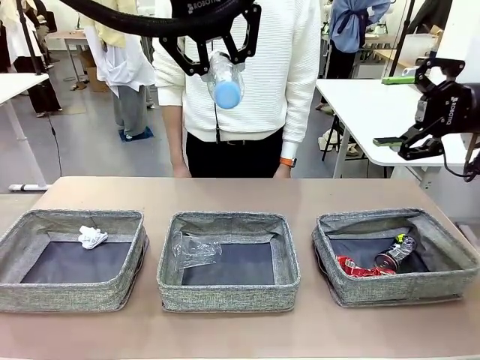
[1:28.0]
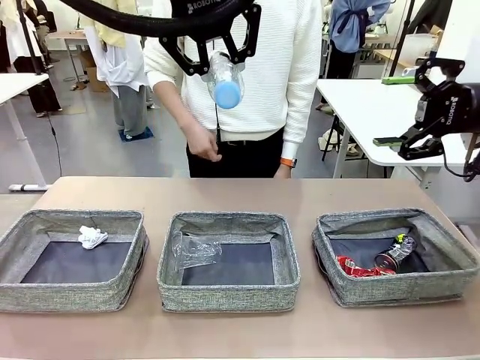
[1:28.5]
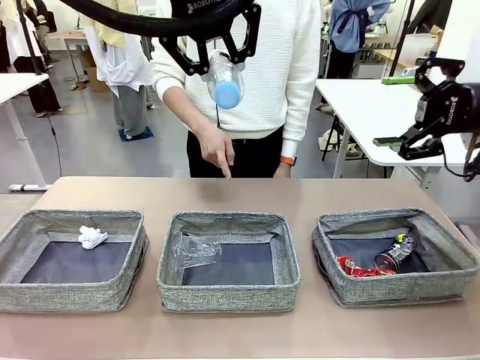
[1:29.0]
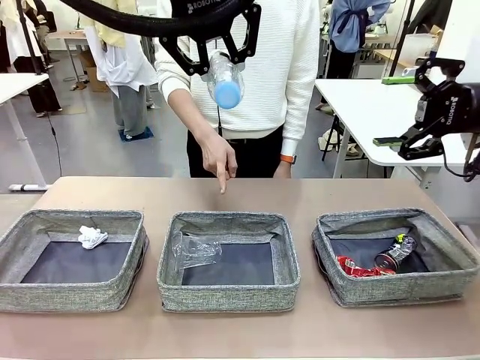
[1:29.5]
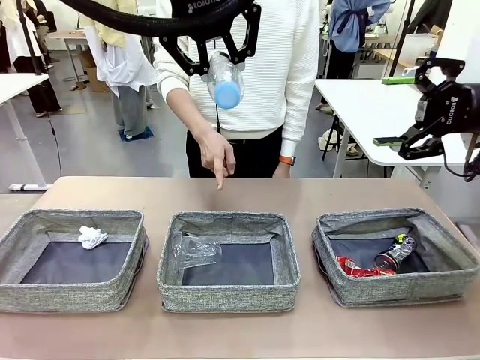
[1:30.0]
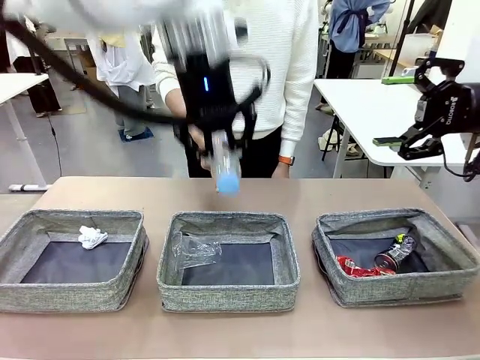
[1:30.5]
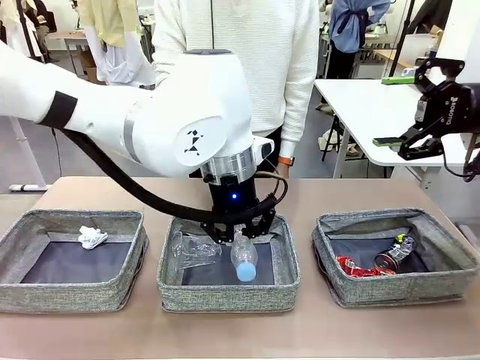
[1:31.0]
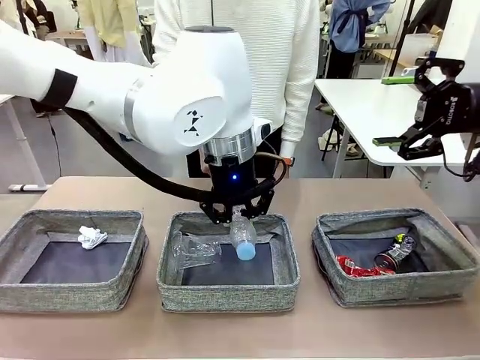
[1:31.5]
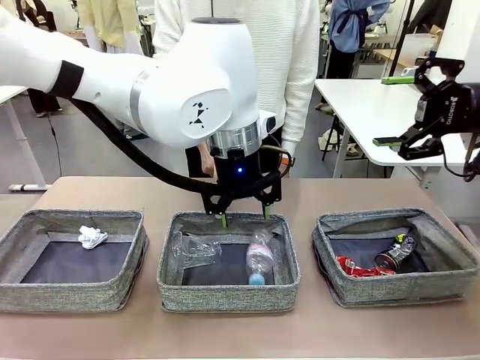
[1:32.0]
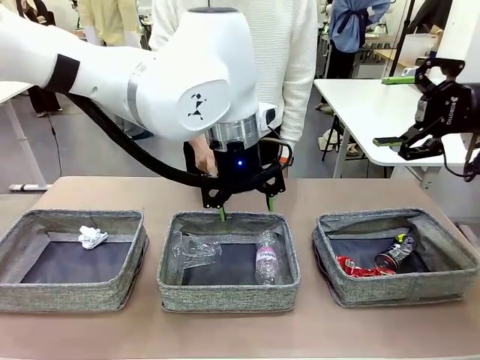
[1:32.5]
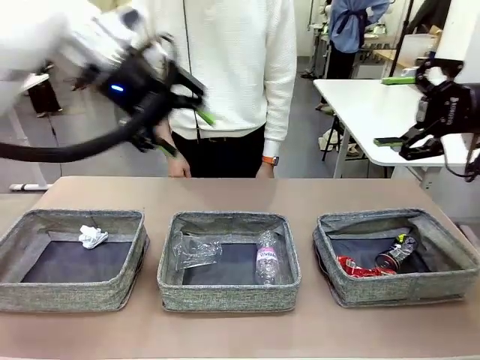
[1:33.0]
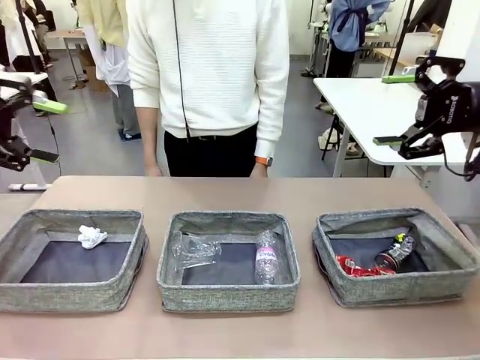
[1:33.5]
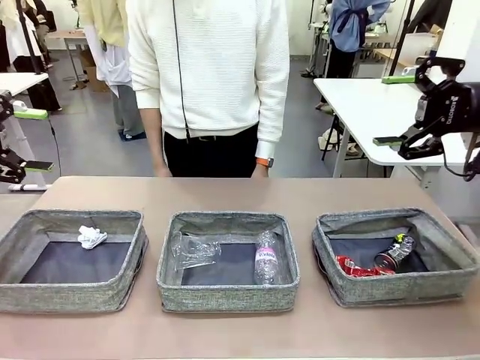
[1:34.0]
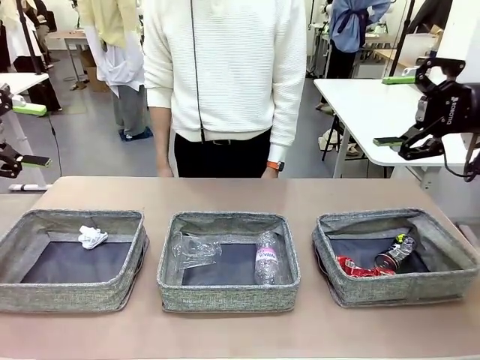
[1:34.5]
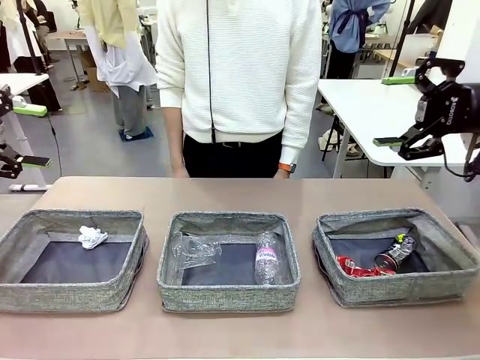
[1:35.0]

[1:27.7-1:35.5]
Task: Sort the waste into the appropriate baskets.
Robot: Place the picked waste into the Fabric basket indicated by the person.
Person: Instructs the robot to place the picked-up trash into the appropriate organizing basket.

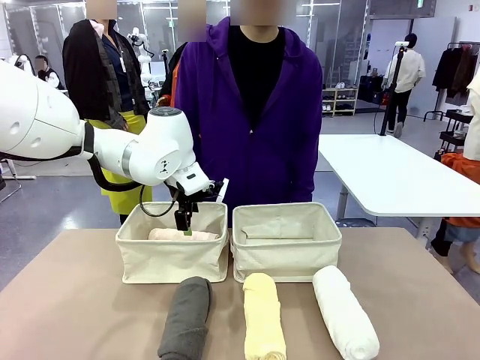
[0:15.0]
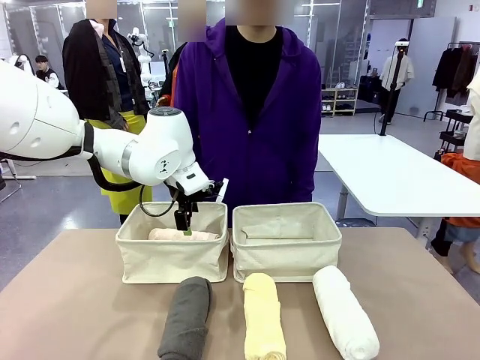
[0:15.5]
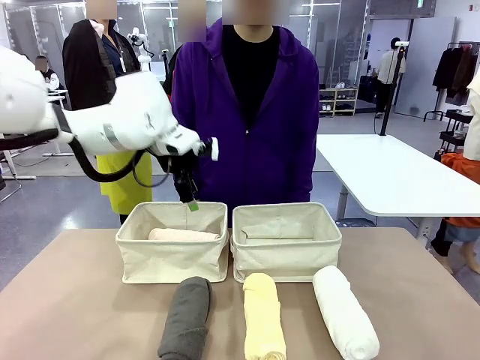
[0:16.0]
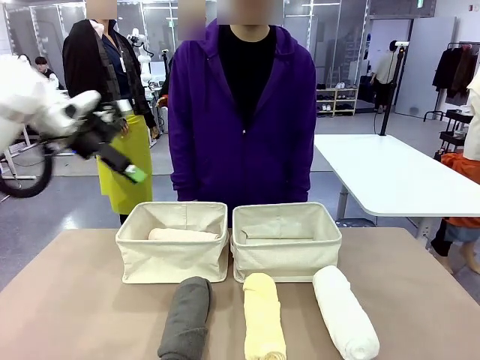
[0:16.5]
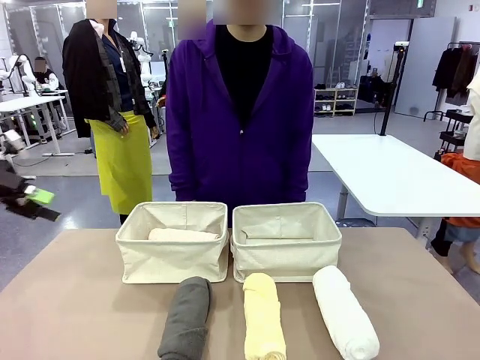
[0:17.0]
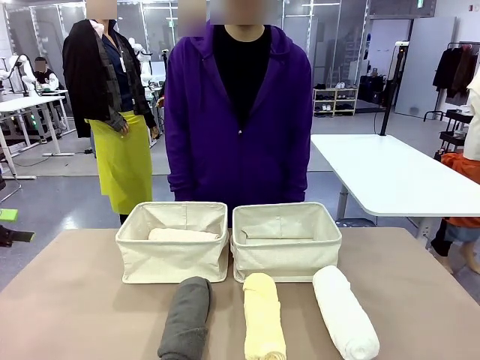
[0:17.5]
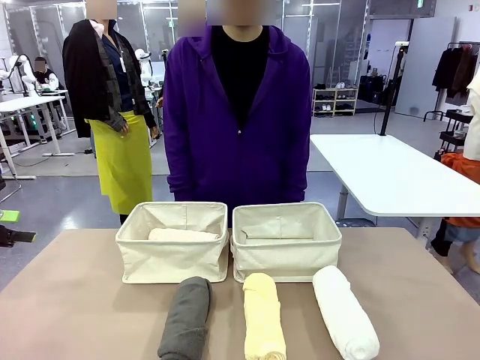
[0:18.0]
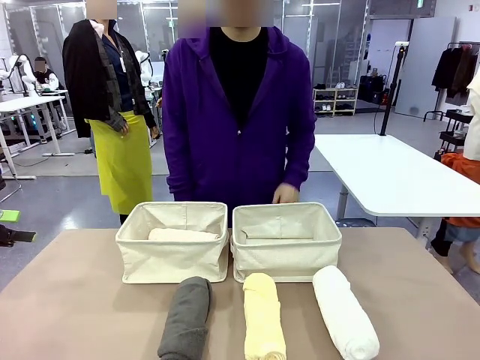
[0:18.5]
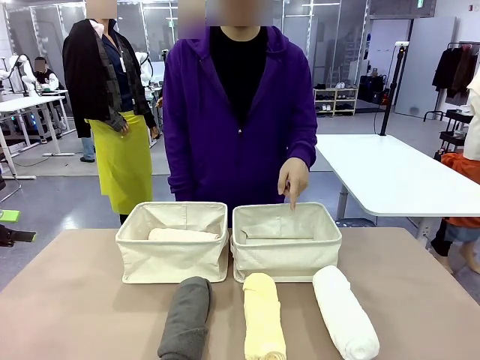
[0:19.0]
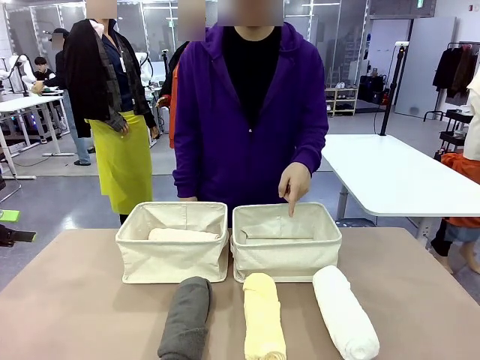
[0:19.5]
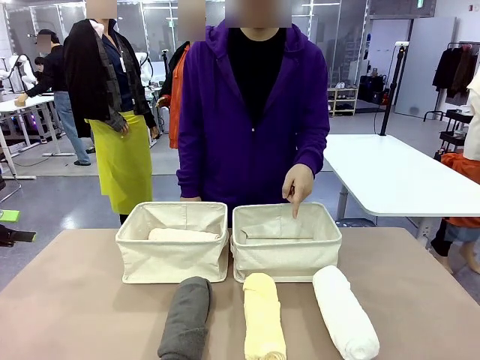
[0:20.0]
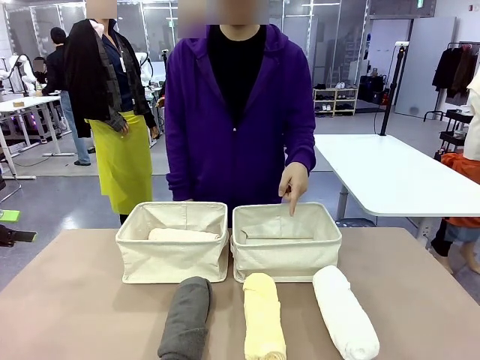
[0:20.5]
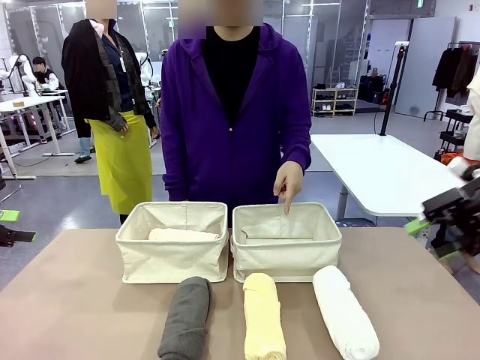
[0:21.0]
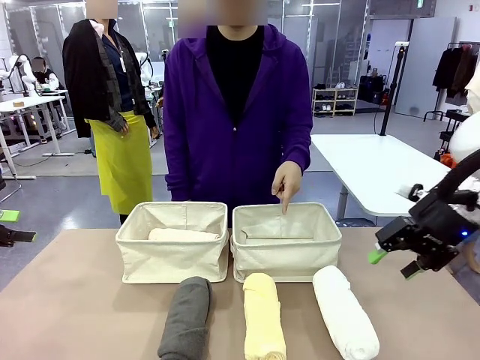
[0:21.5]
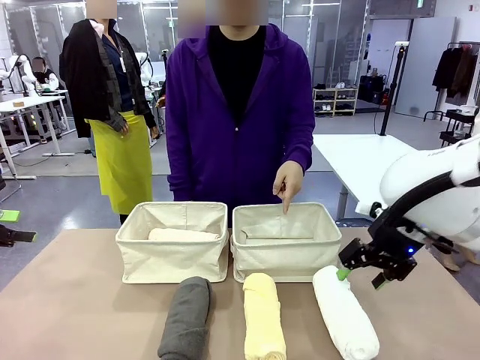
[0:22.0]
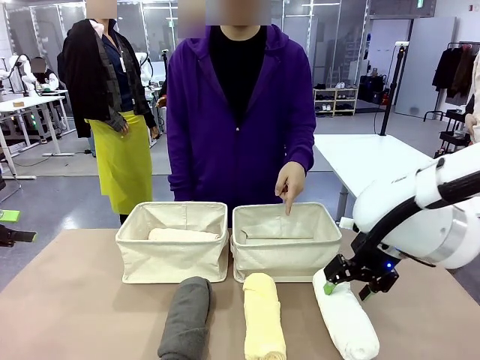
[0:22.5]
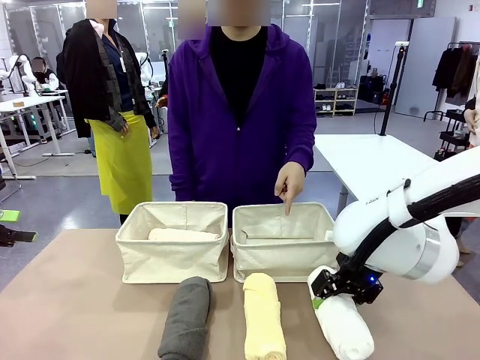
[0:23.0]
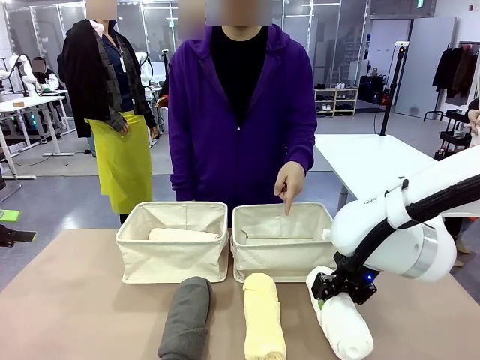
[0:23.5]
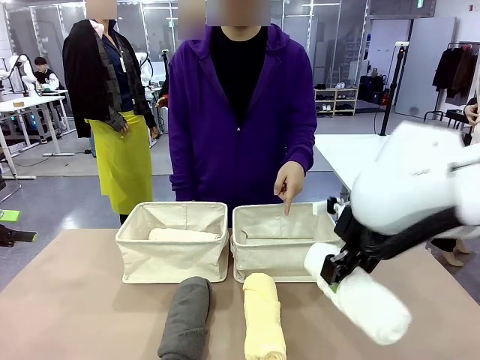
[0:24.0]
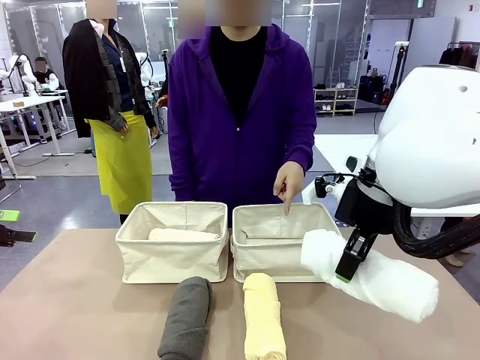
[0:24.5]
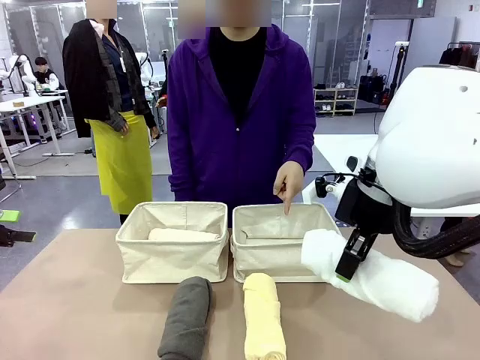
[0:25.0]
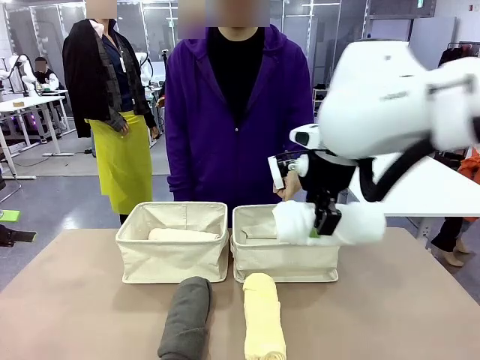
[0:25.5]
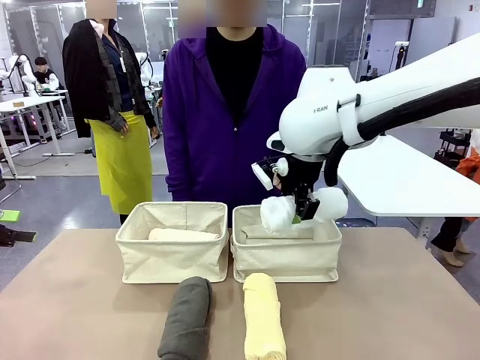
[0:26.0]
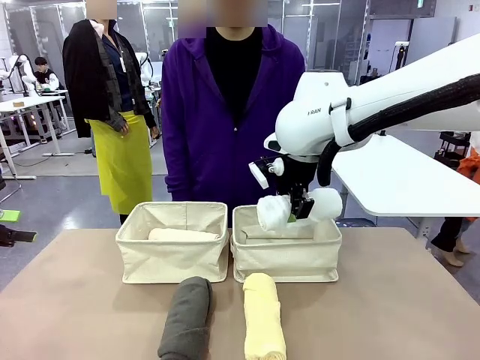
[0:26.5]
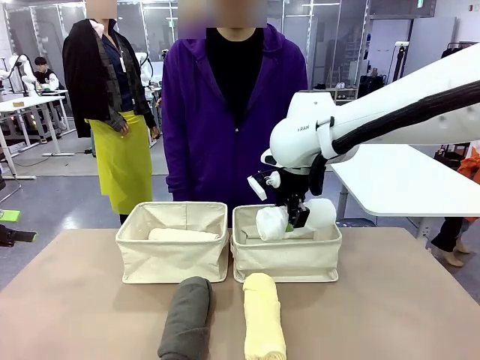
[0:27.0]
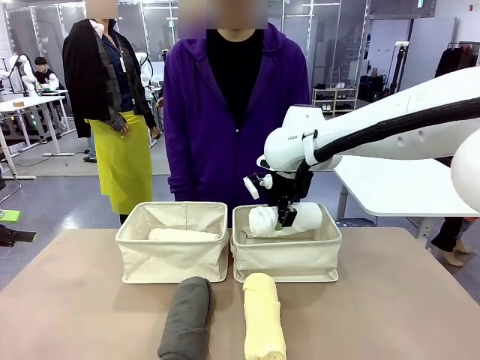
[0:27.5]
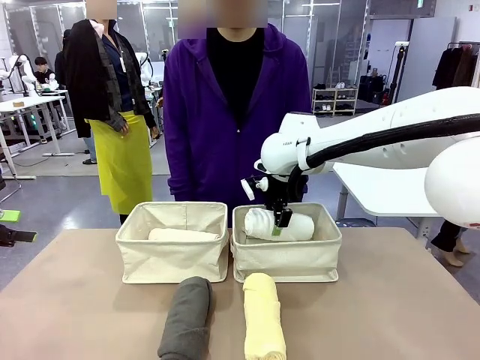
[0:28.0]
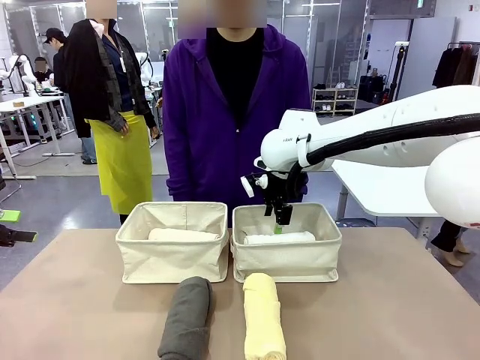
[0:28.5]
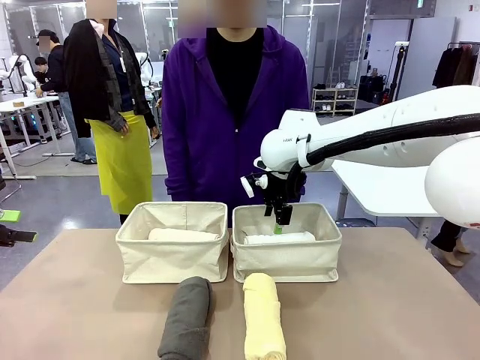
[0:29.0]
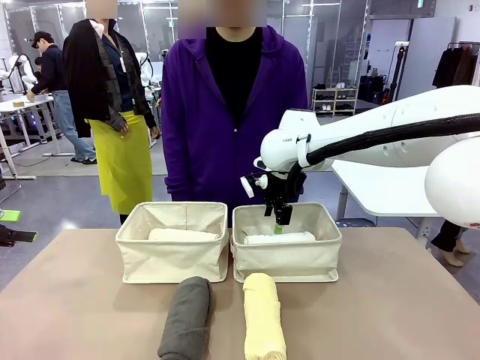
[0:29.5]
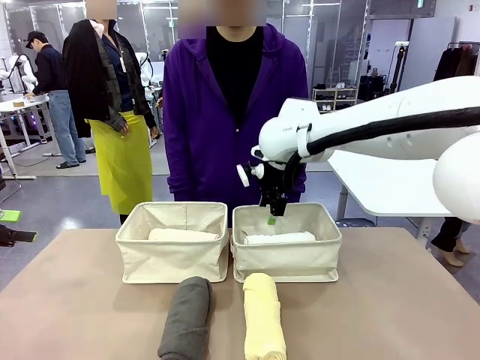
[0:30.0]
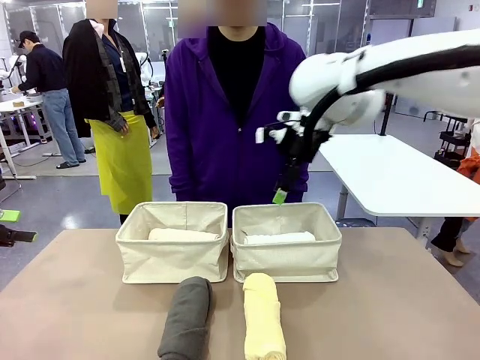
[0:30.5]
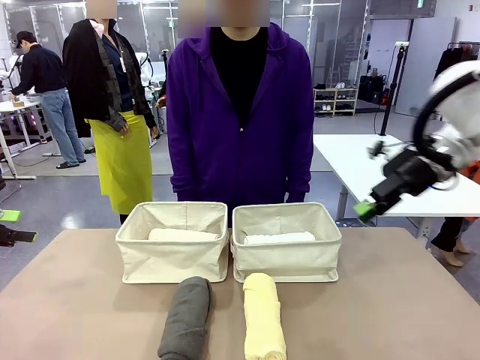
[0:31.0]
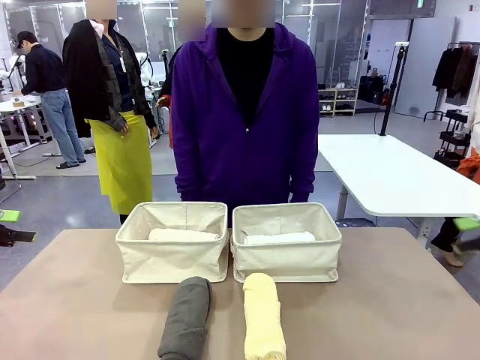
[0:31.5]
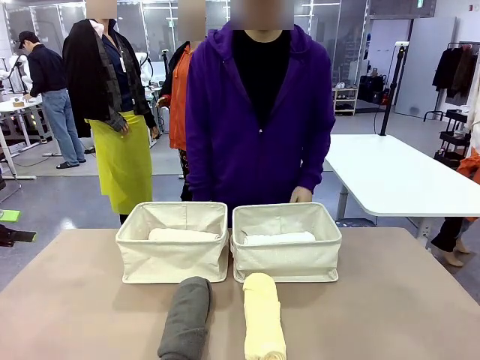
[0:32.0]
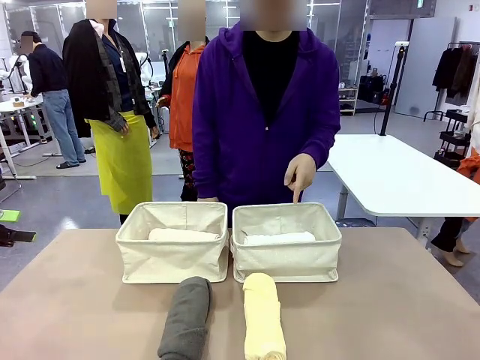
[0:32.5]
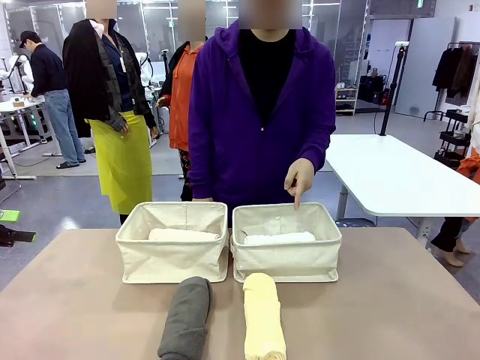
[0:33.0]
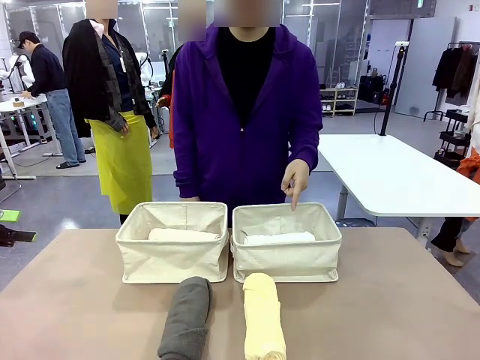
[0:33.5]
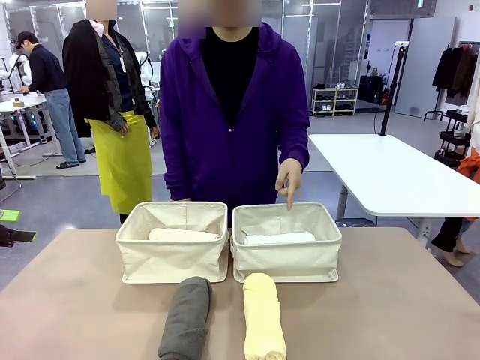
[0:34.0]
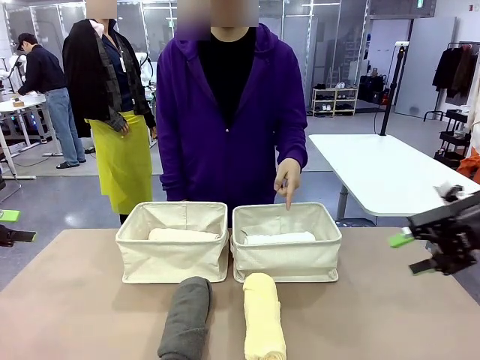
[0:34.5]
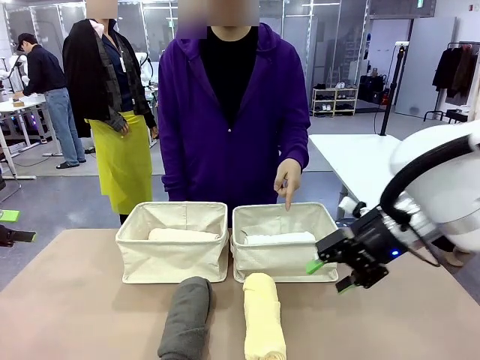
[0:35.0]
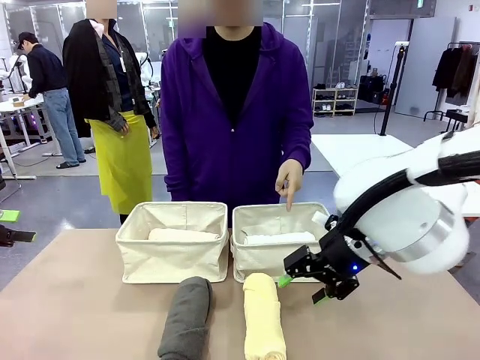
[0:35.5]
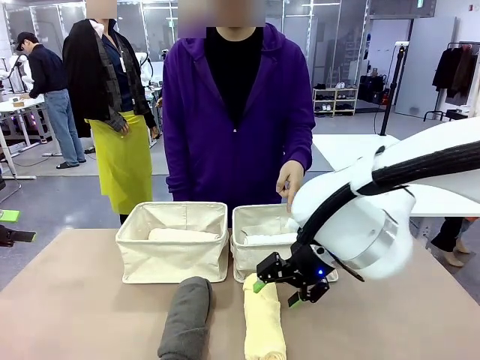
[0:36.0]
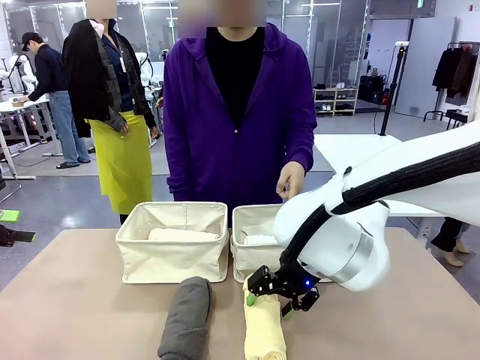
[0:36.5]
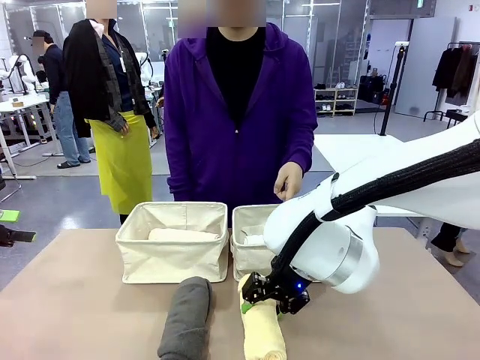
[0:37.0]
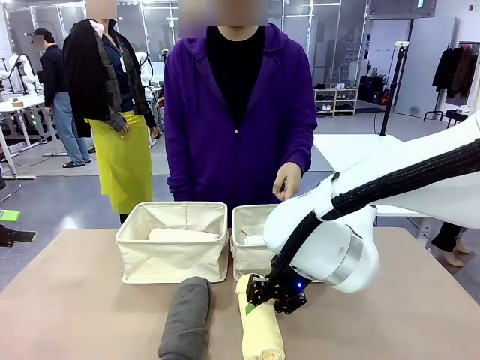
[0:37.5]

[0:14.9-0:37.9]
Task: Divide the towels into two baskets.
Robot: Pick up one hotel-folded towel from the bottom of the table and place it in the Fabric basket indicated by the person.
